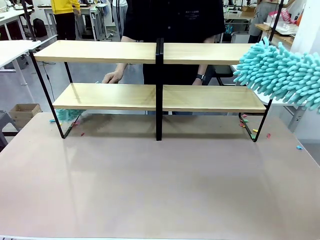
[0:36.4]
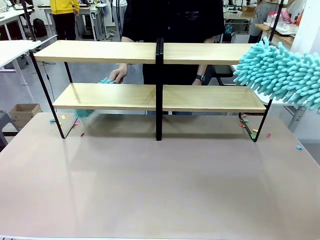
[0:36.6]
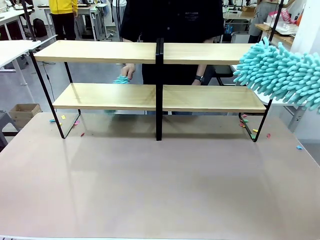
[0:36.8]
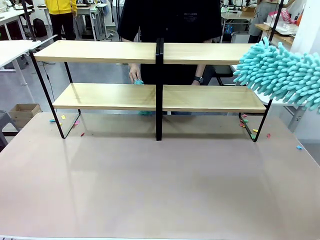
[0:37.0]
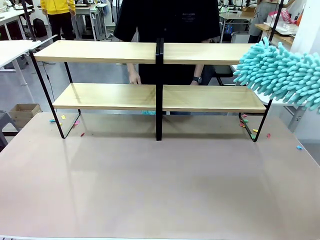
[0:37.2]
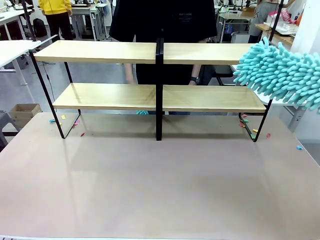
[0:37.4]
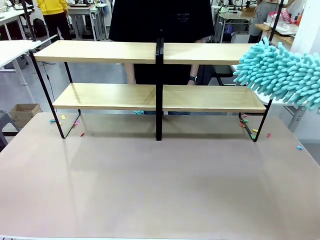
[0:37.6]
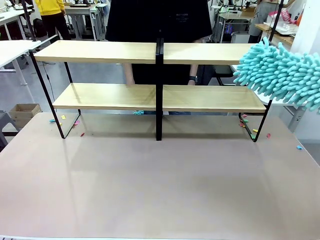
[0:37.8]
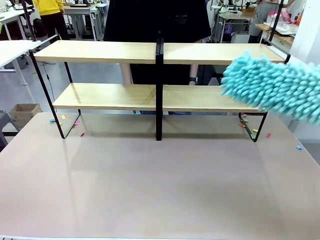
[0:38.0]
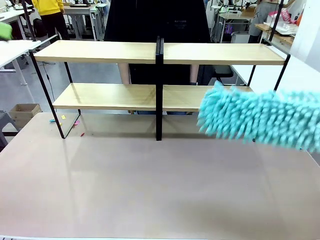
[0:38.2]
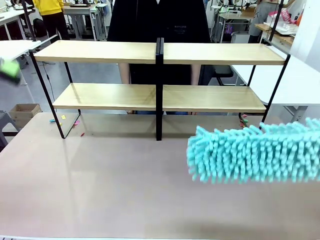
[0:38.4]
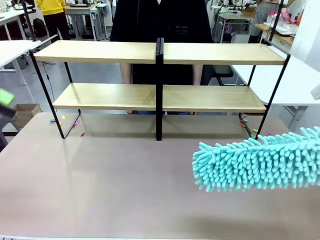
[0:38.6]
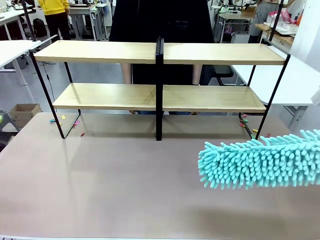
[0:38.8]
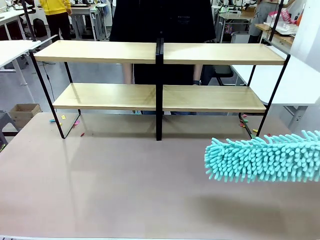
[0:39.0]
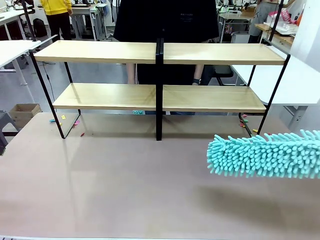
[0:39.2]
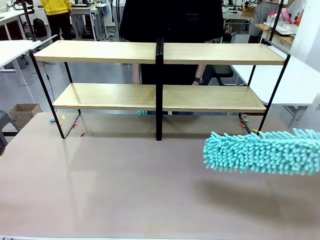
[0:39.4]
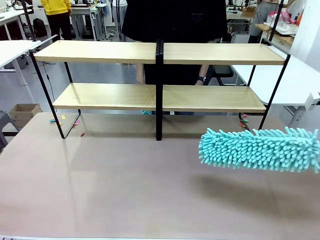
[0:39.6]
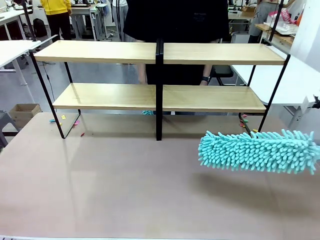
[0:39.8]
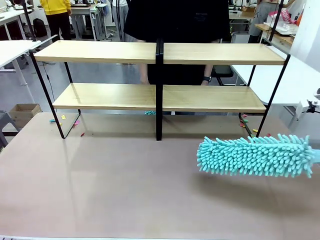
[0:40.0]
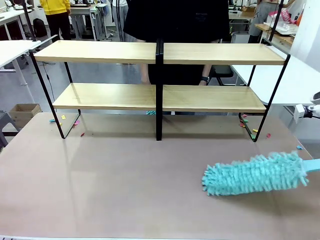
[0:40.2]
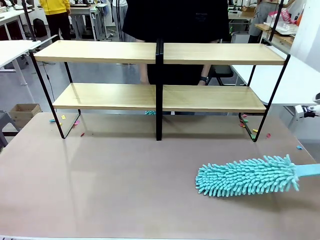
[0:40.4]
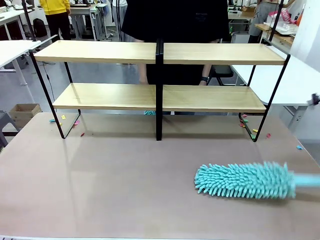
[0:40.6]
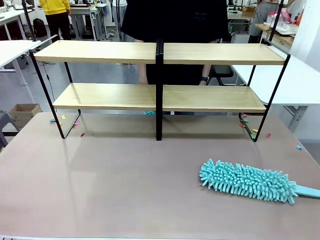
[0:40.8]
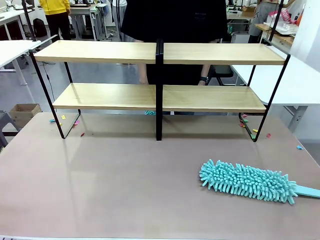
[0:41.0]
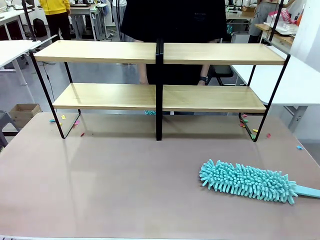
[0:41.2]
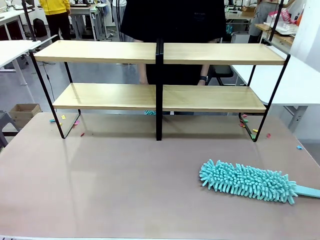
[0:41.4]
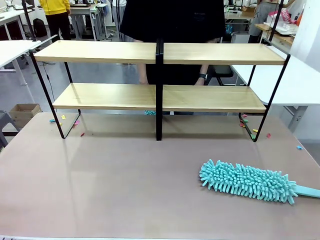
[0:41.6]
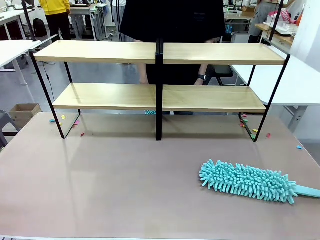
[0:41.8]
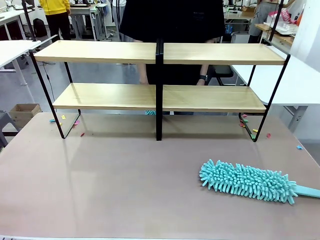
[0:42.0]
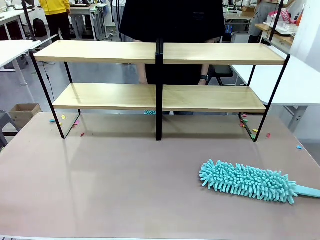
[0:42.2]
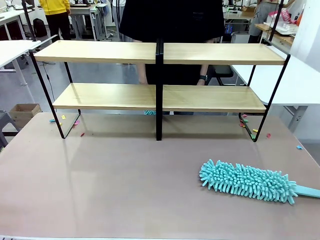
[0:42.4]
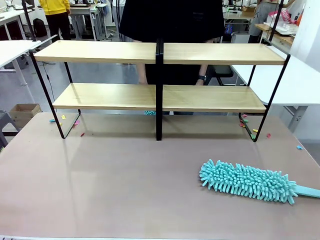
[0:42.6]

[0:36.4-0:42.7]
Task: Clean the shelves.
Robot: Place the Duster on the table.

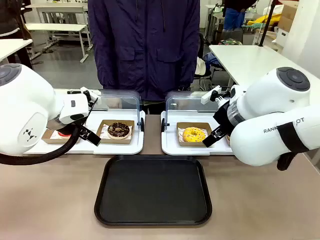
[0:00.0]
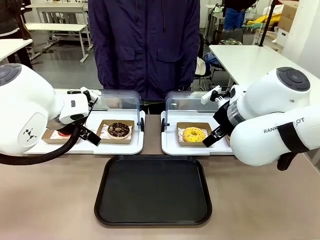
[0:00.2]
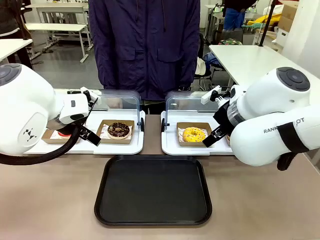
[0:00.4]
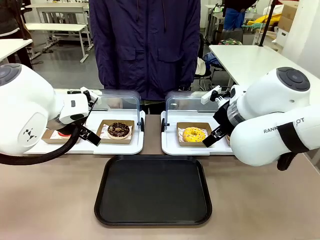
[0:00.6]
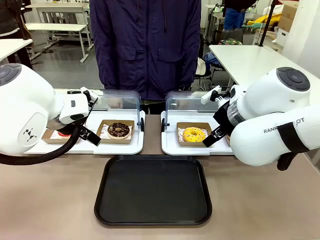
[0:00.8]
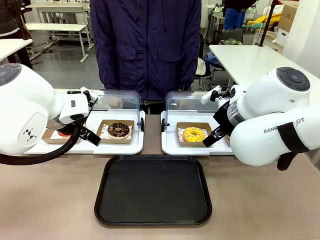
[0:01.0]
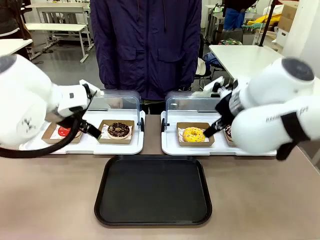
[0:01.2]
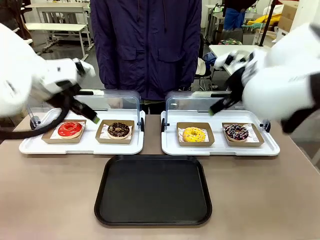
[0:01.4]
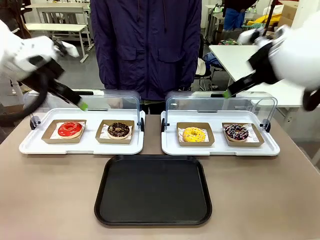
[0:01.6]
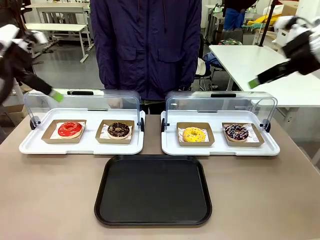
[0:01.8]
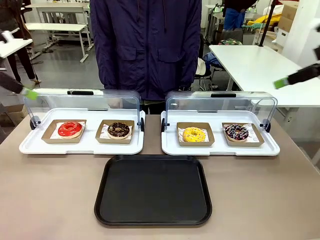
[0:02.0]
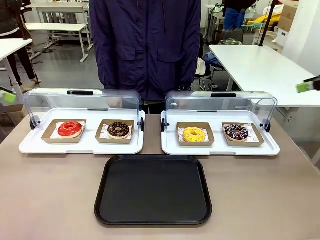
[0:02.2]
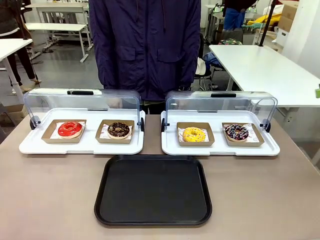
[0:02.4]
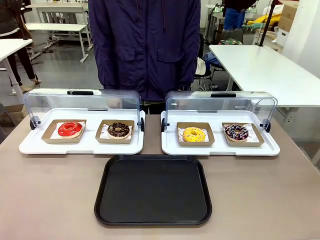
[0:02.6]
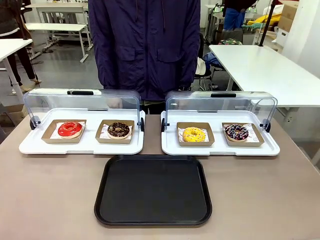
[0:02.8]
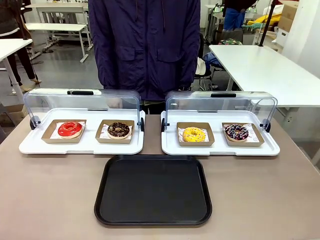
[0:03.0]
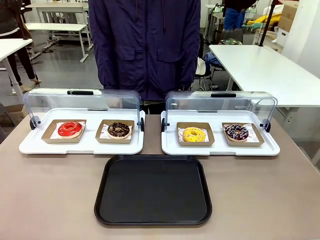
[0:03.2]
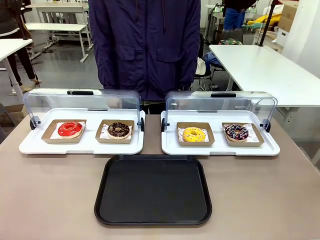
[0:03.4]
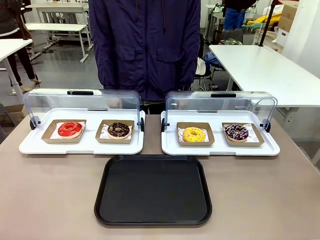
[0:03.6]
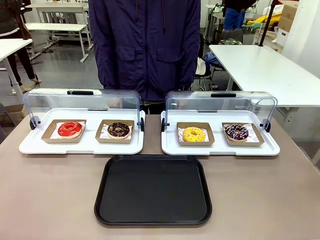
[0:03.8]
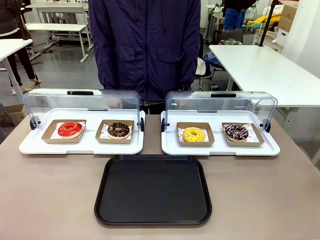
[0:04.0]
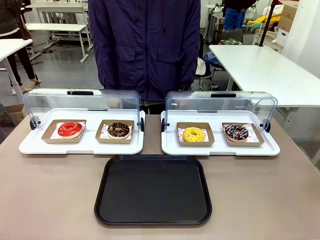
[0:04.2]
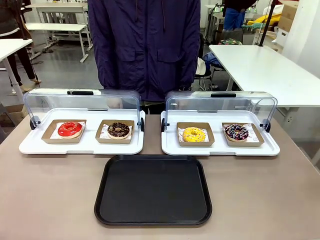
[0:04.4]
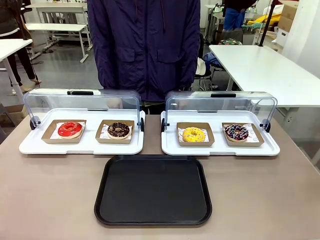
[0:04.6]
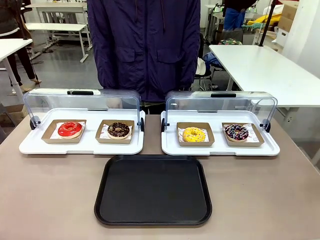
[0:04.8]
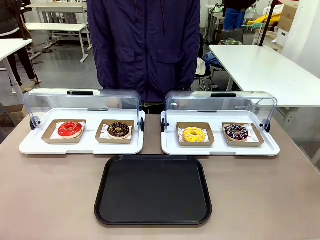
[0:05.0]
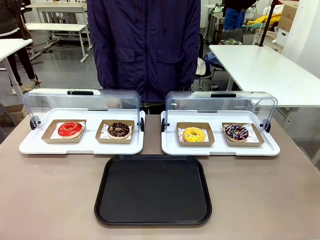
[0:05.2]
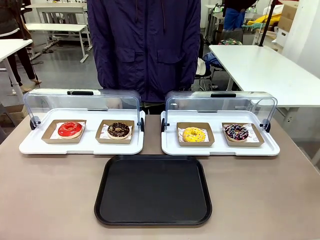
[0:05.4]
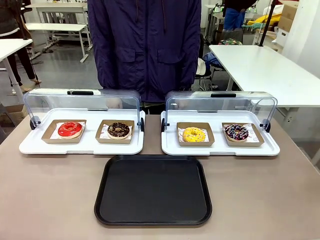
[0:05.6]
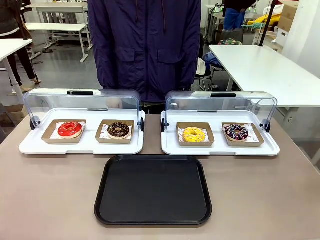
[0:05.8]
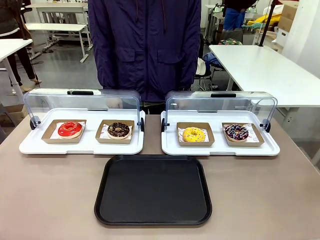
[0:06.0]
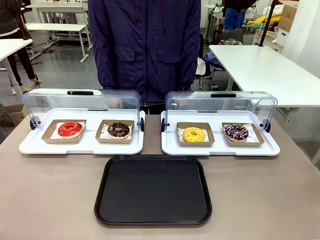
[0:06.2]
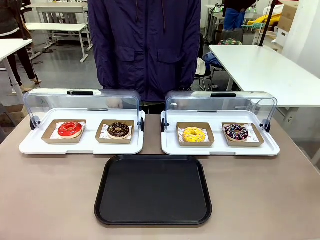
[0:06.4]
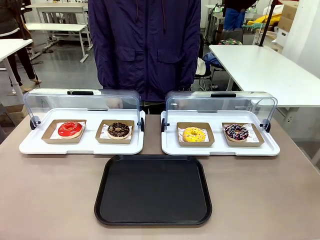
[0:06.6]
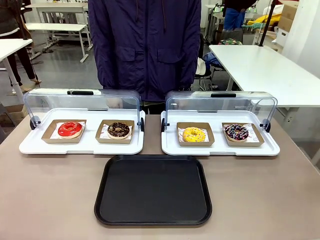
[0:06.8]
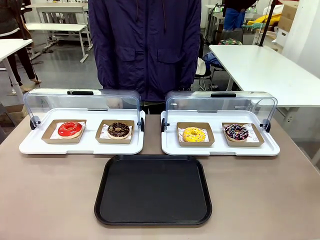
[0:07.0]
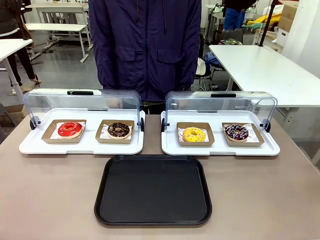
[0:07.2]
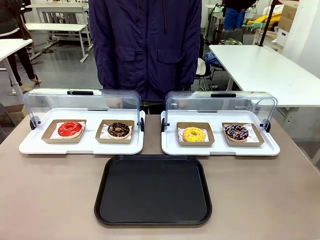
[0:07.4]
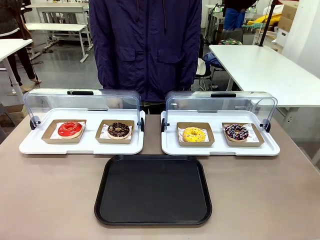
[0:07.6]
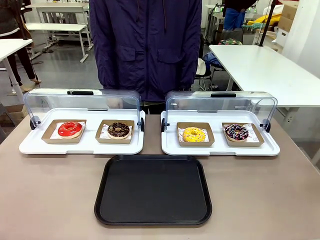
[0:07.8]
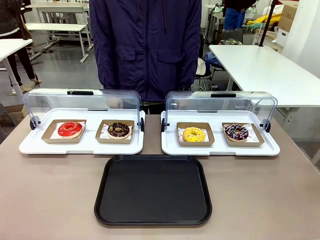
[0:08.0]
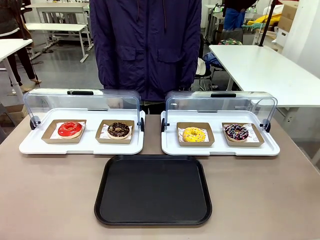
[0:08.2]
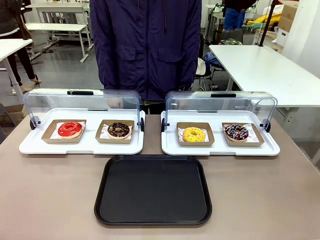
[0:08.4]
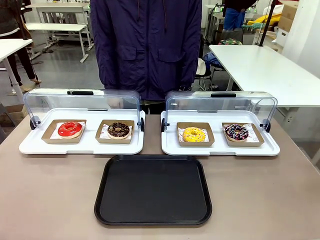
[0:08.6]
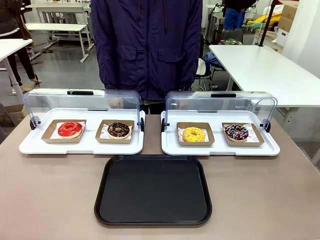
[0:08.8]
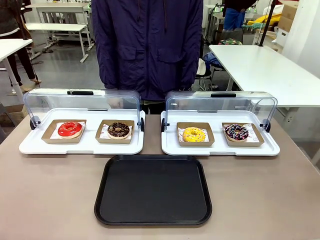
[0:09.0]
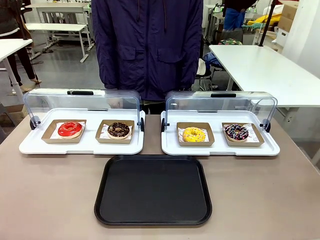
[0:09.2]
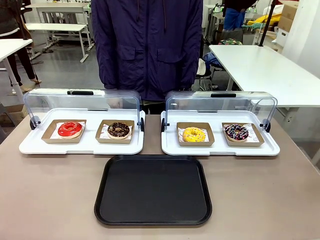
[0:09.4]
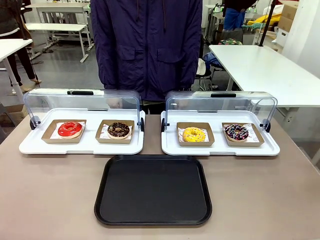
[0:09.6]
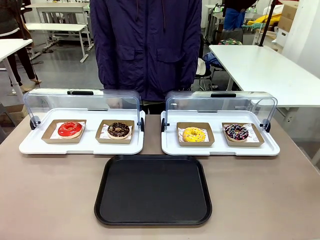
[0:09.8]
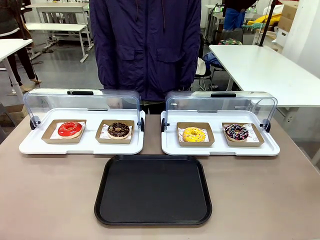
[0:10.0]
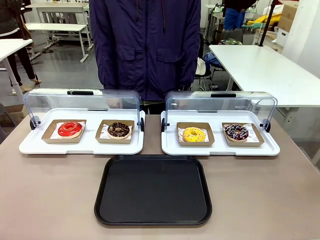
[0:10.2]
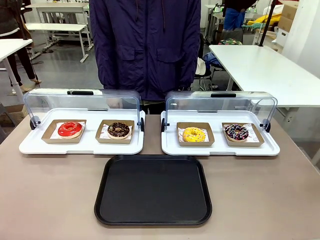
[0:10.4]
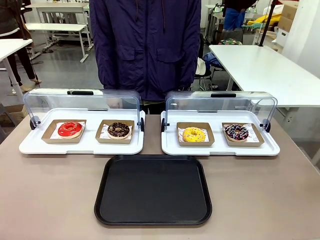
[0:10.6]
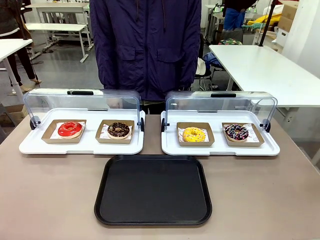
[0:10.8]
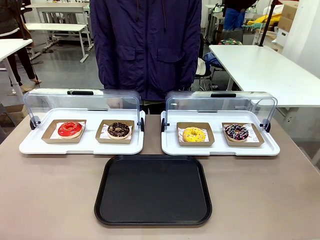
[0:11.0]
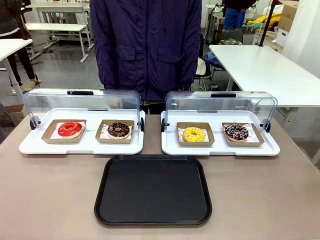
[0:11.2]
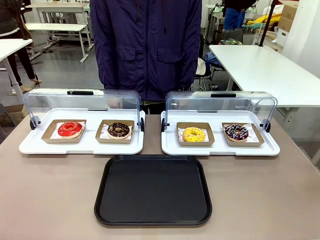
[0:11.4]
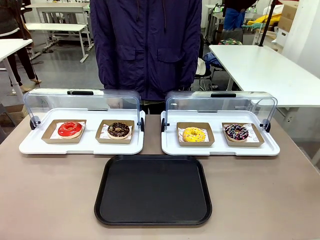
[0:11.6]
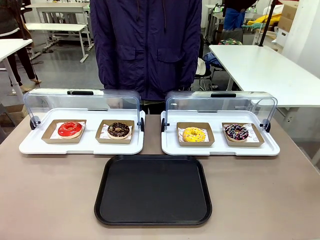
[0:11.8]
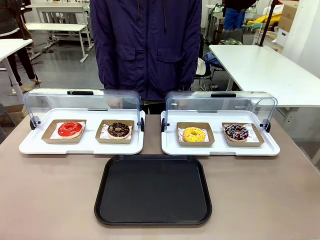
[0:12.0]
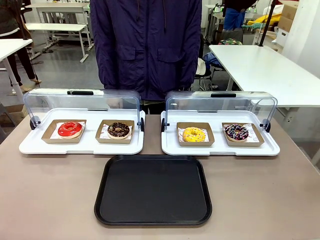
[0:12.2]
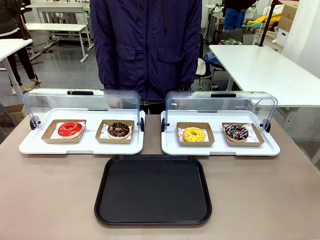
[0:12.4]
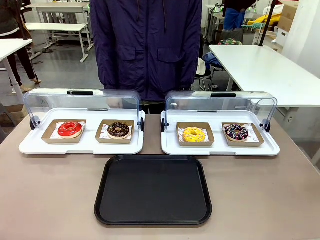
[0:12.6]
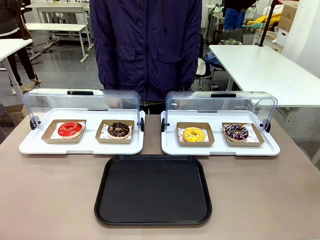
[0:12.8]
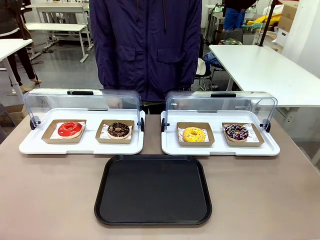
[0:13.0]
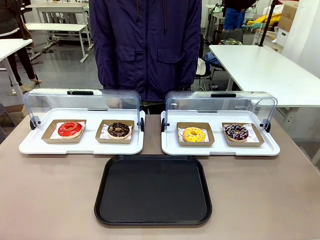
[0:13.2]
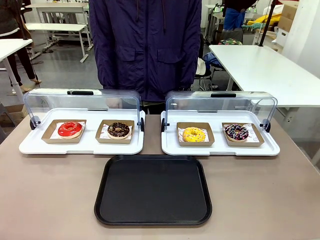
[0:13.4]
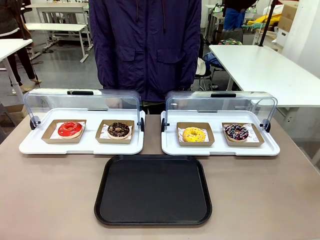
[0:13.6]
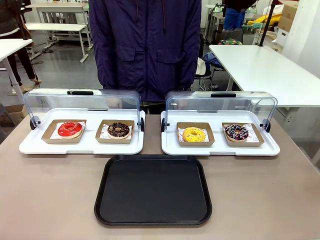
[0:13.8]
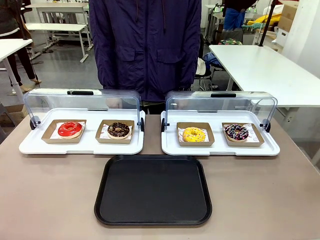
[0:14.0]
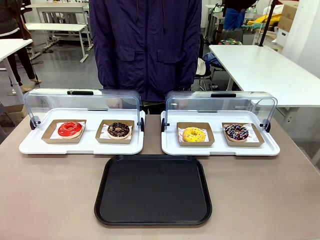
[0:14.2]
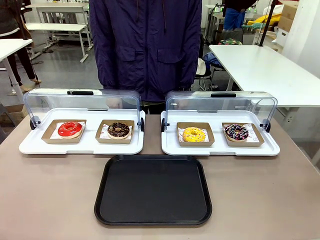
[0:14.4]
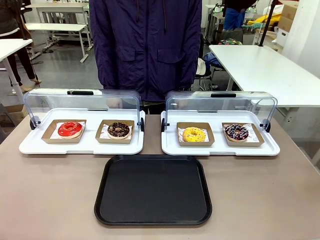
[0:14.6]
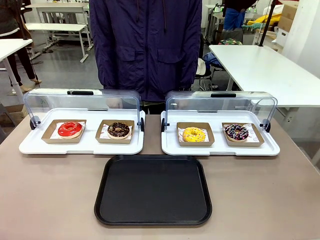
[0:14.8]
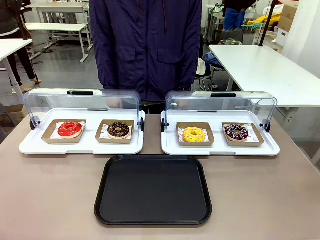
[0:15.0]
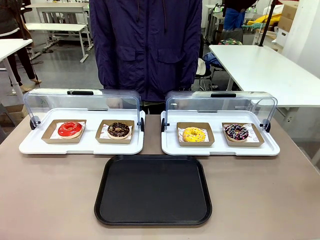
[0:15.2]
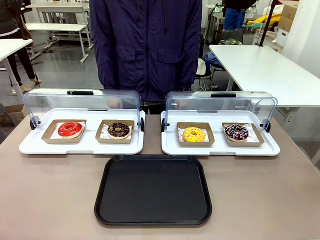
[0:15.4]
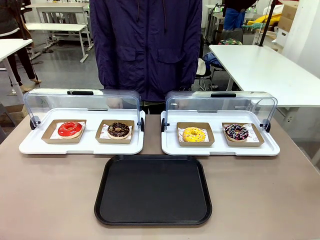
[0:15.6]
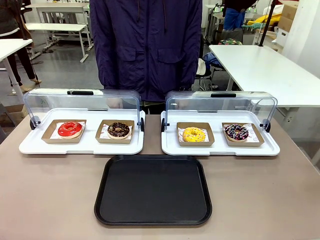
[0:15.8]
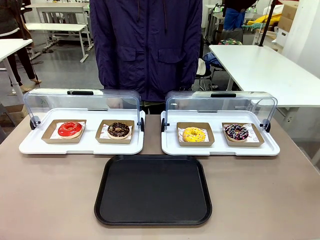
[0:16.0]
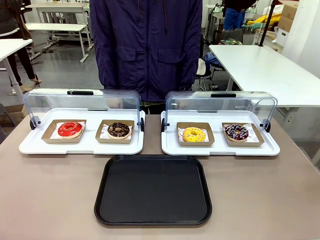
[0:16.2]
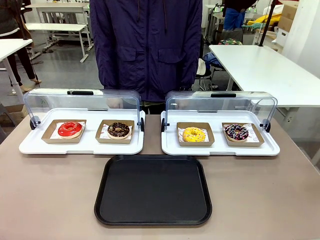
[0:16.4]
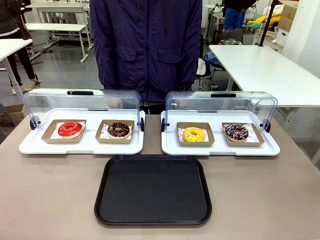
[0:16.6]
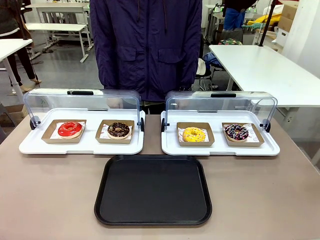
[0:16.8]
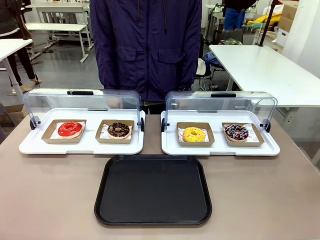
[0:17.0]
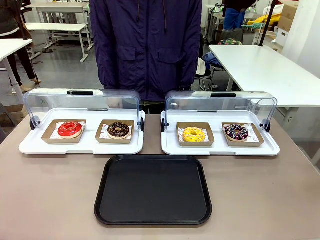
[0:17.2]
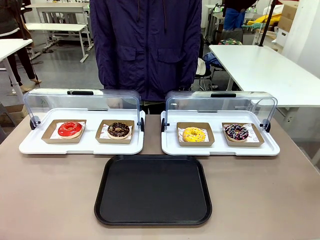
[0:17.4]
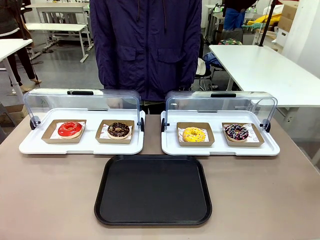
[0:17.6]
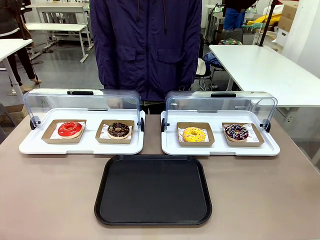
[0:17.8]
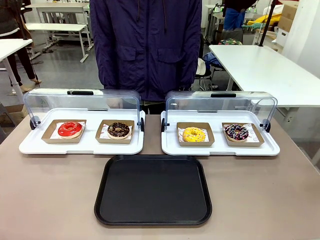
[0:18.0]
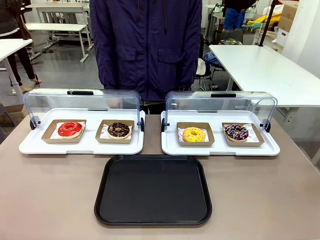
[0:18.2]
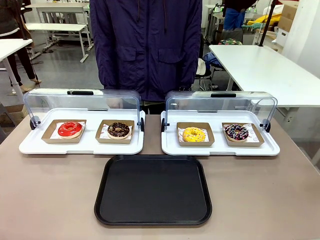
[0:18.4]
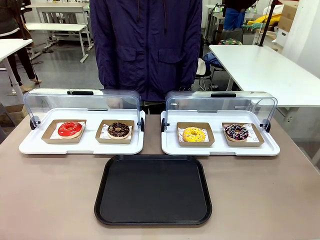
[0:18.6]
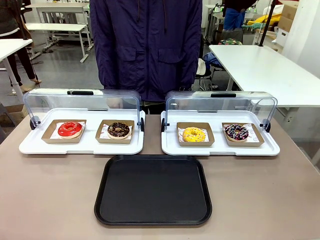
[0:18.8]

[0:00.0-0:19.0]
Task: Move the third donut from the left to the tray.
Robot: Pick up the Paper togo box containing the Donut indicated by the person and place it on the Handle tray.
